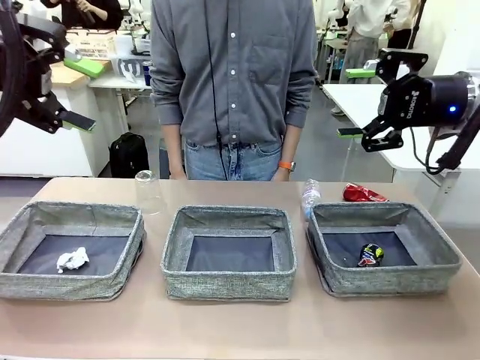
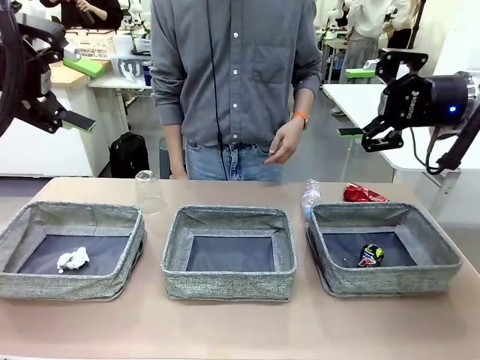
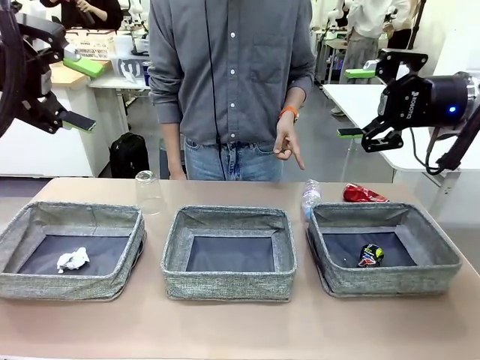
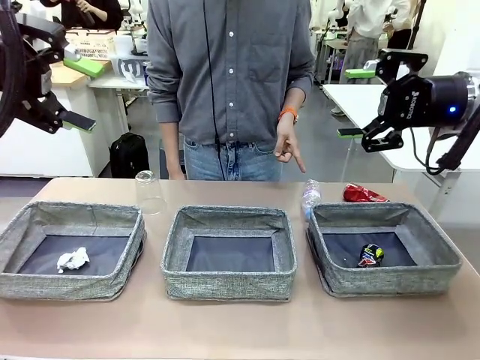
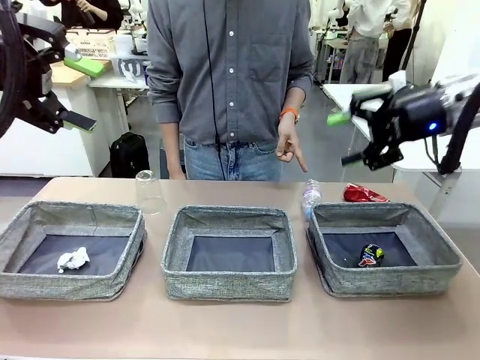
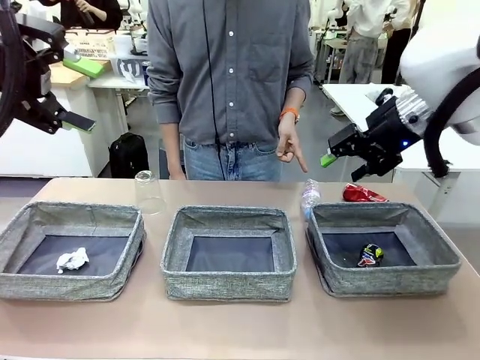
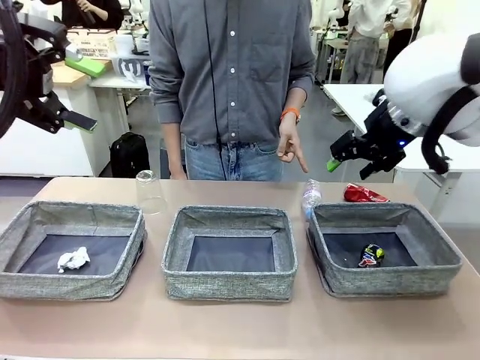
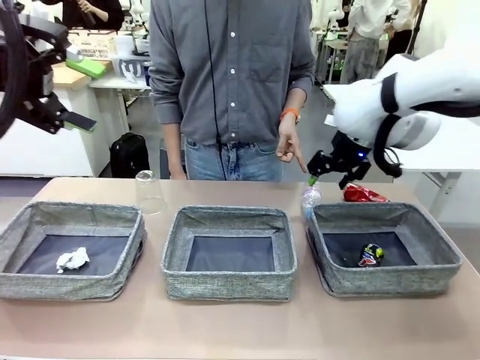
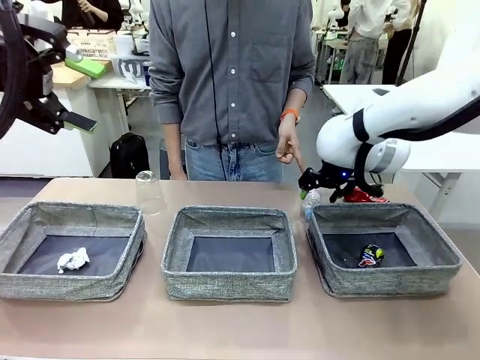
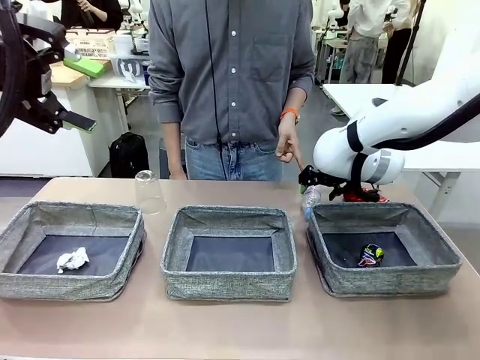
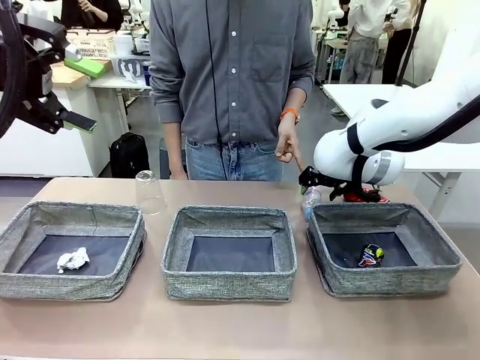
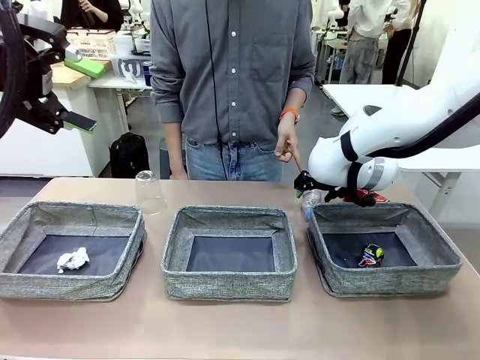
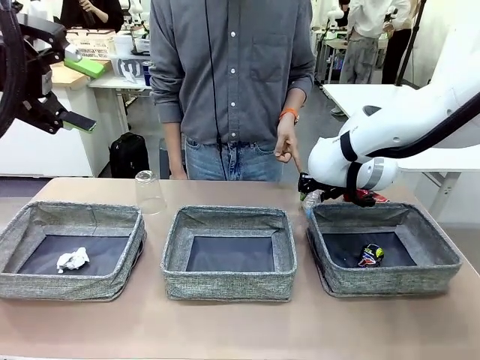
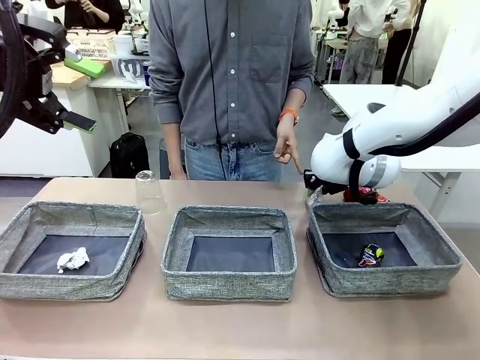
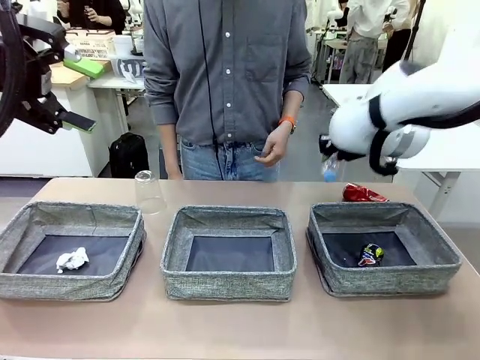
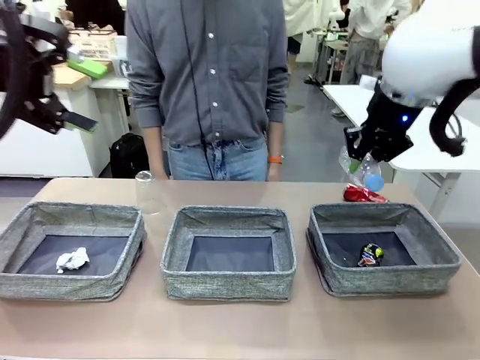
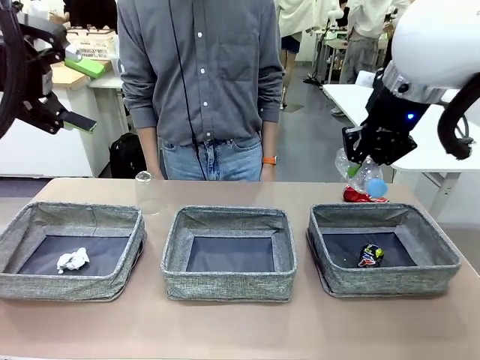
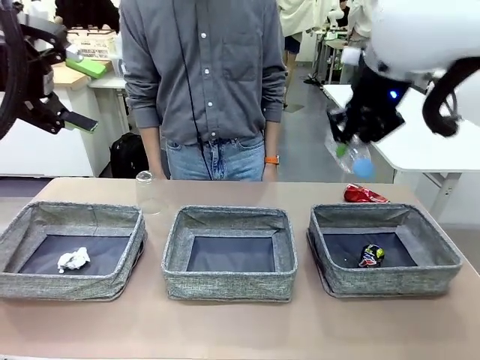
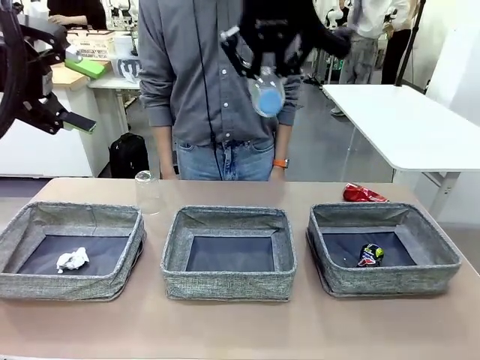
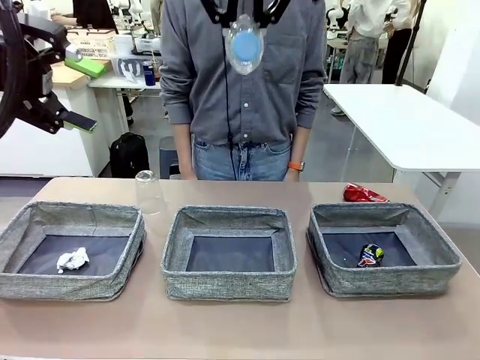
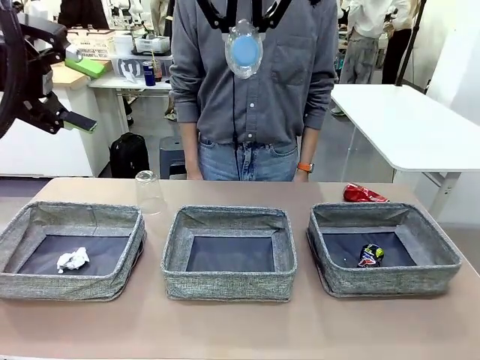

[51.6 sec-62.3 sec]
Task: Sort the waste into the appropriate baskets.
Robot: Pick up the waste item pointed out by the person.
Person: Points to one piece of trash on the table.

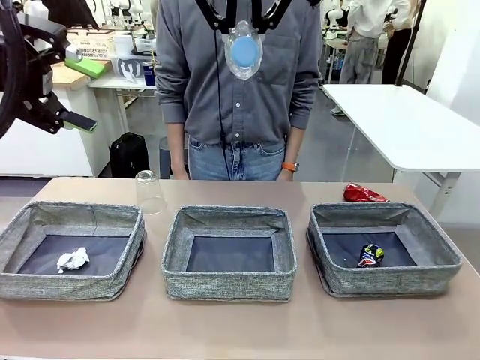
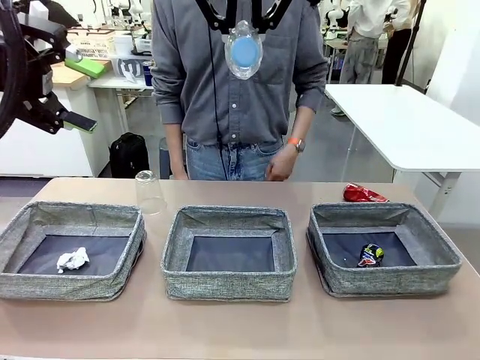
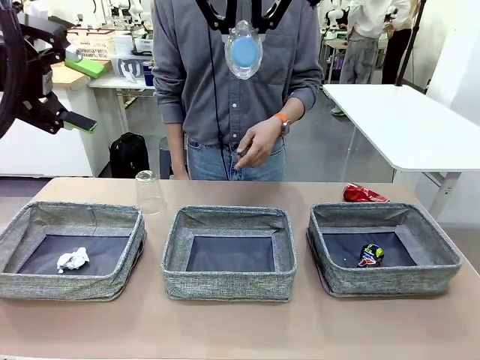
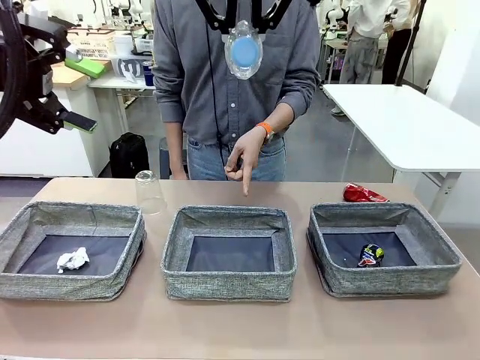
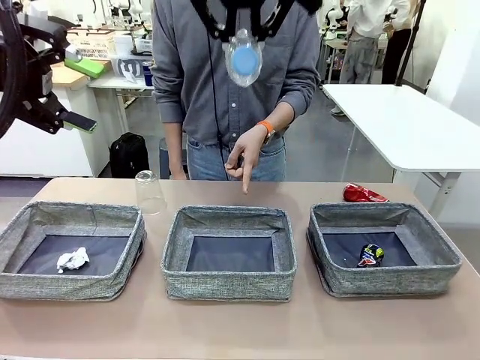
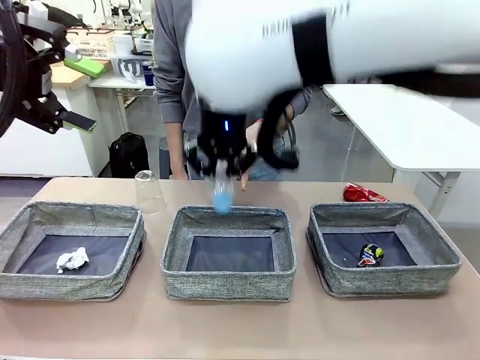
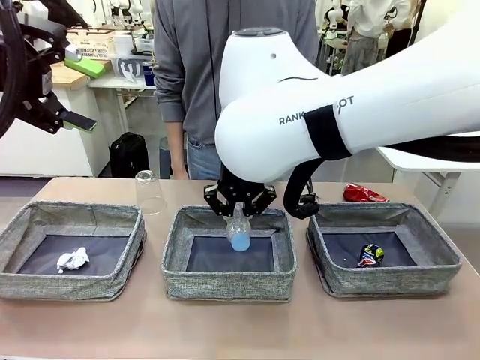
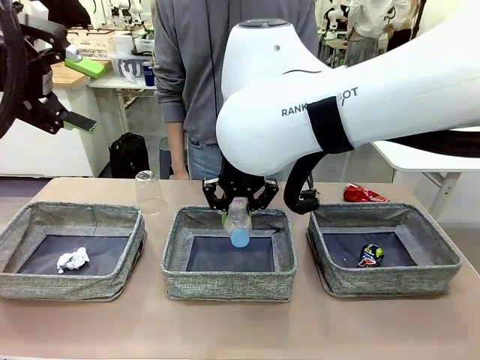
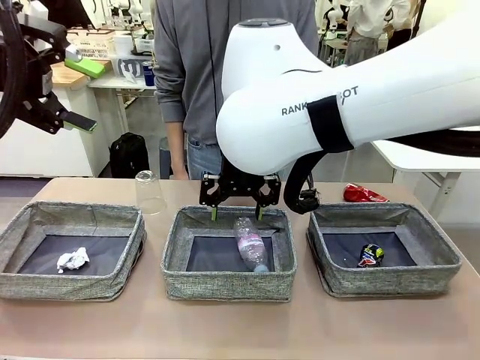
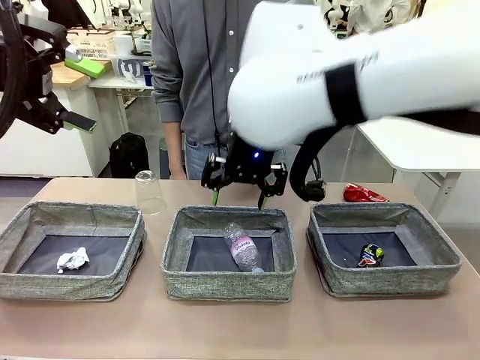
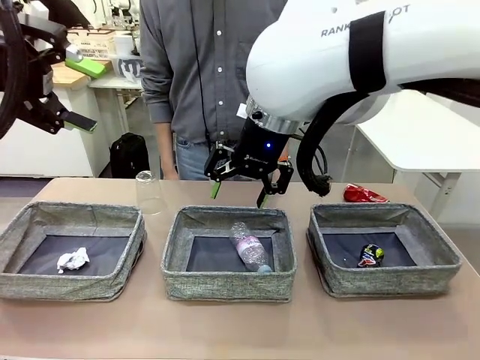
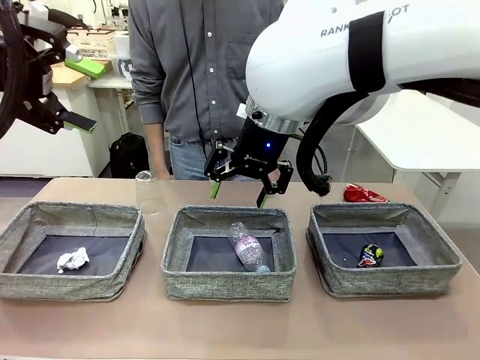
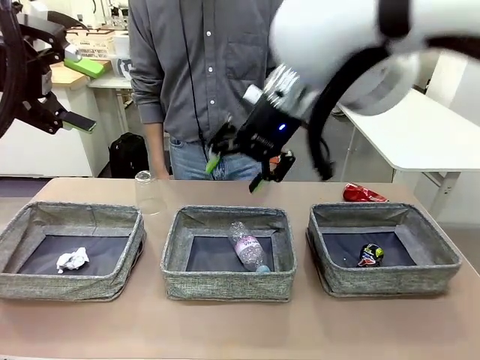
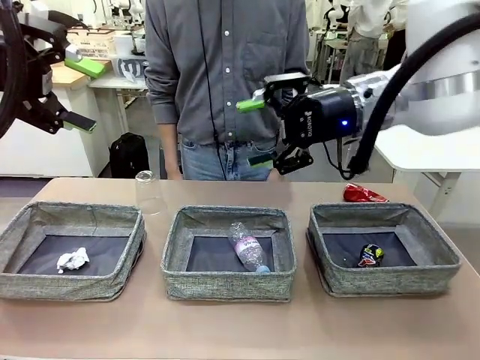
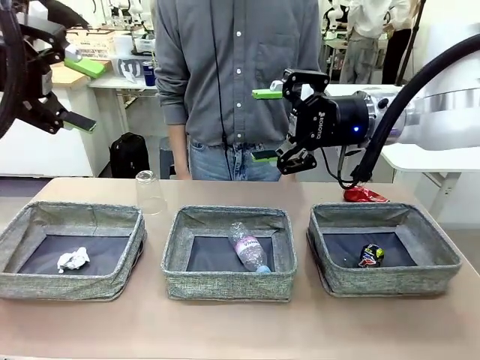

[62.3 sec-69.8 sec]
Robot: Place the picked waste into the Fabric basket indicated by the person.
Person: Instructs the robot to place the picked-up trash into the appropriate organizing basket.

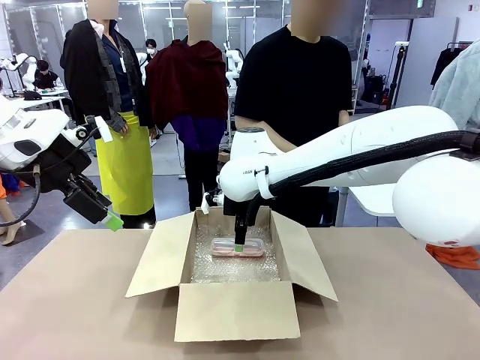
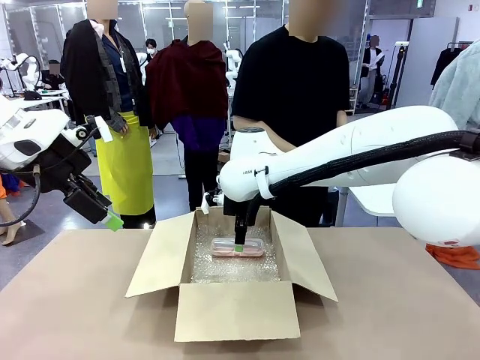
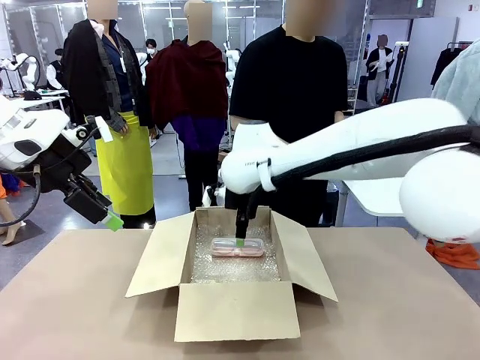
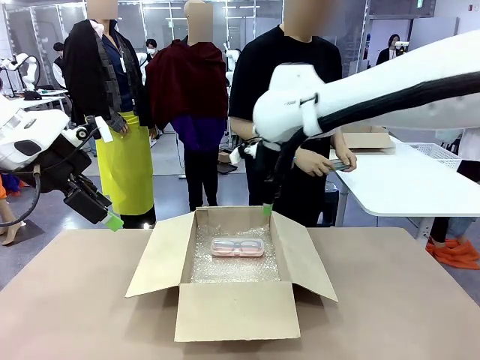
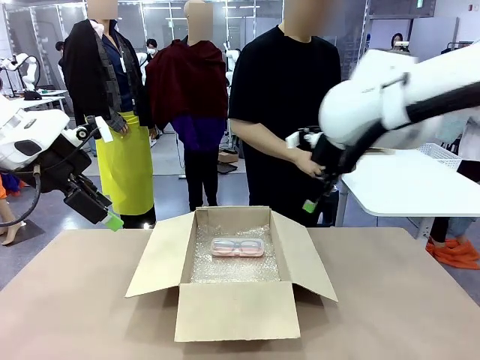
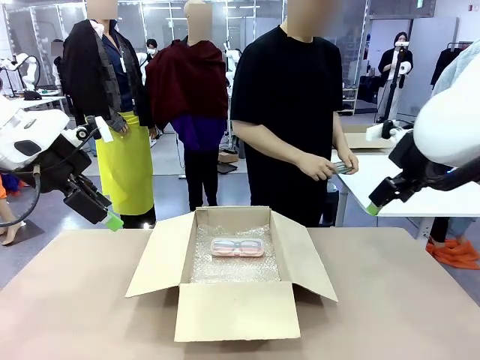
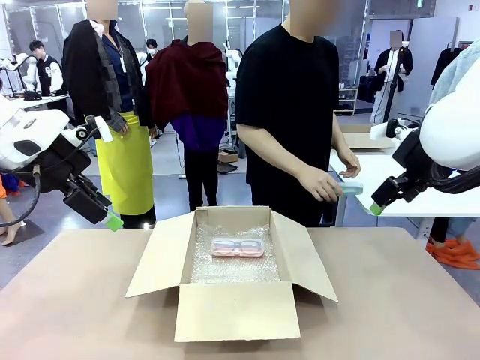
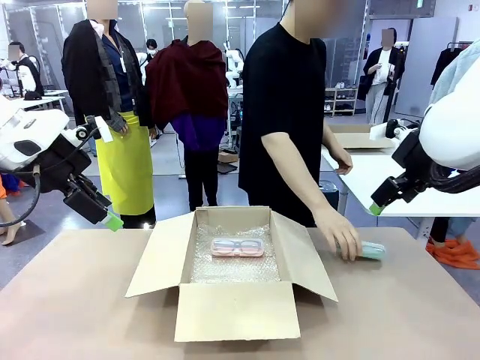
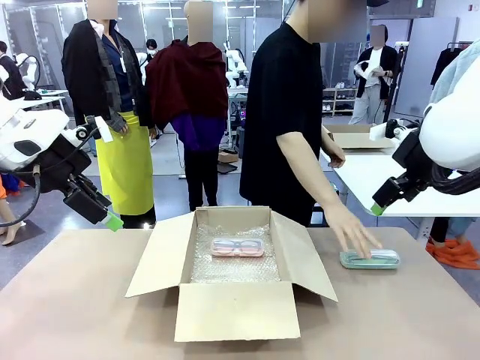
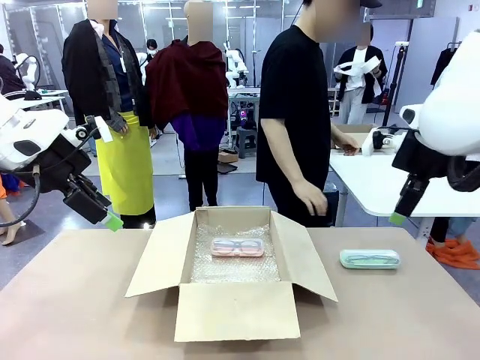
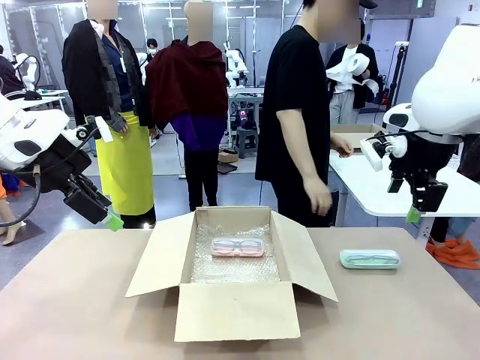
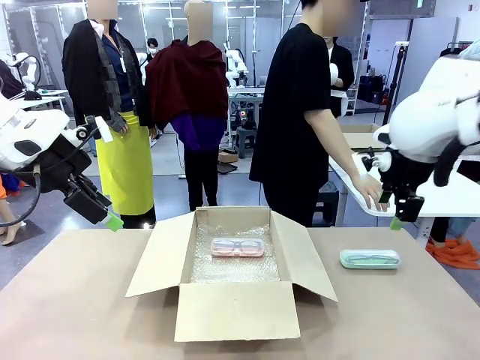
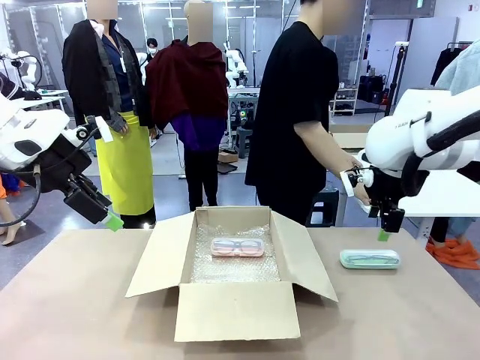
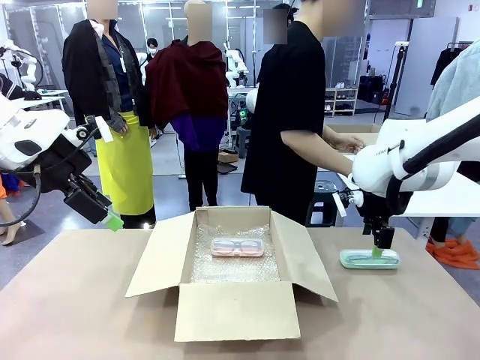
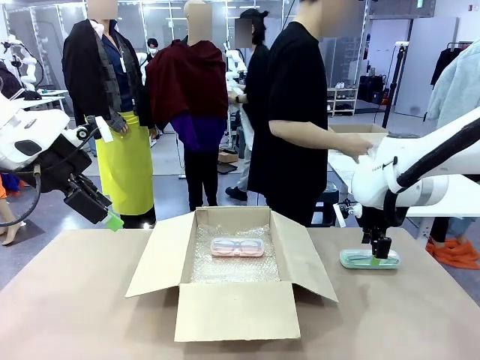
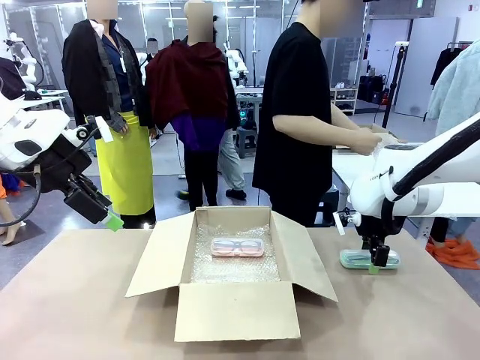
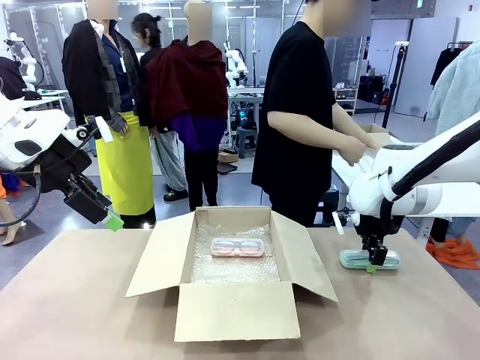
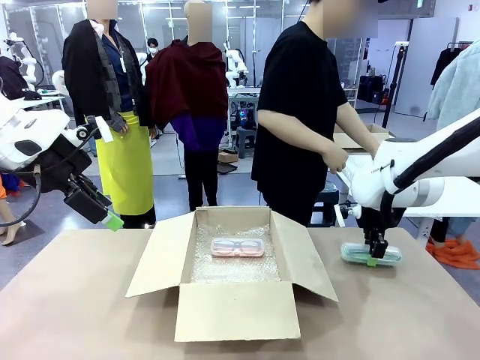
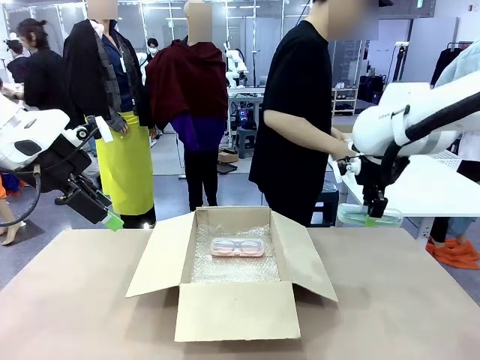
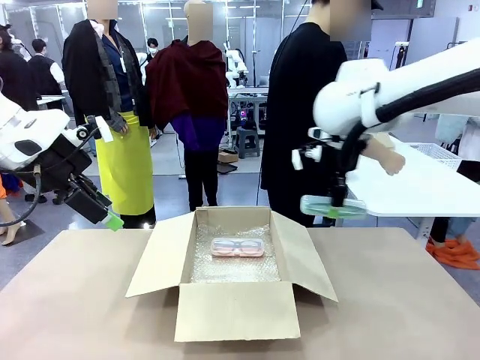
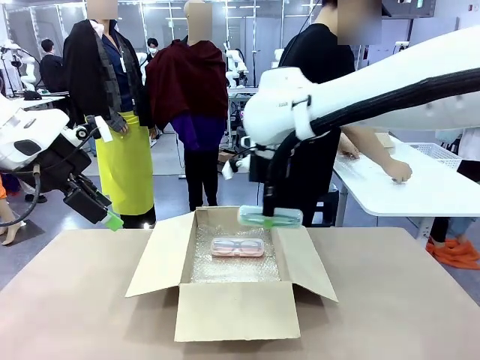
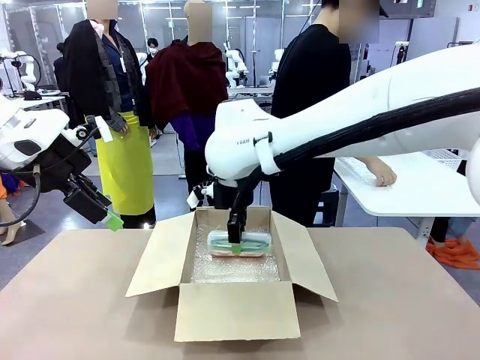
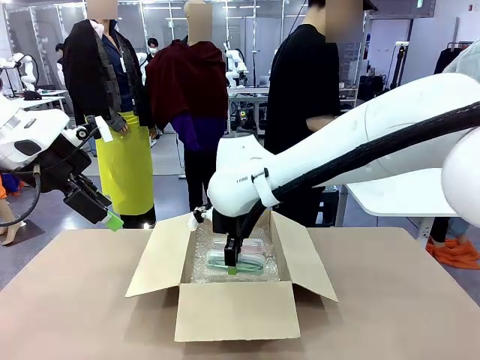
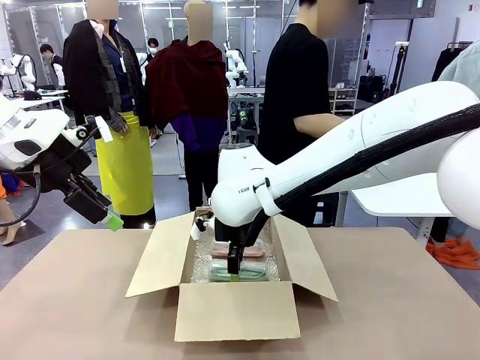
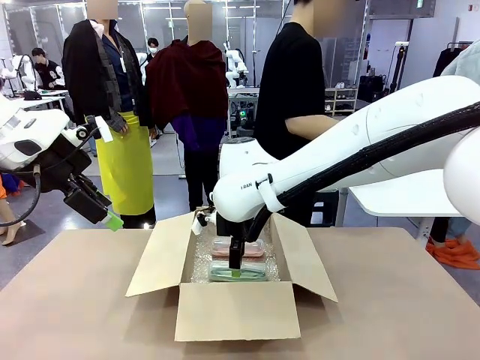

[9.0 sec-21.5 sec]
Task: Pack the glasses set securely to prepare it for shipping.
Robot: Put the Glasses case from the right side of the table into the Package Box.
Person: Position the Glasses case on the left side of the robot's table.
